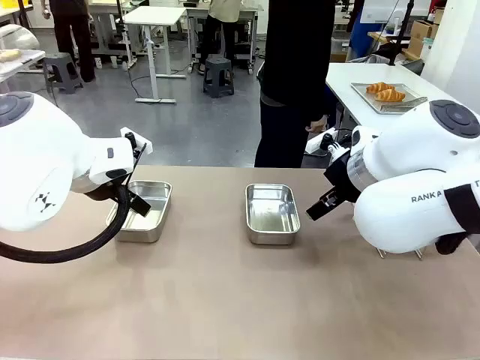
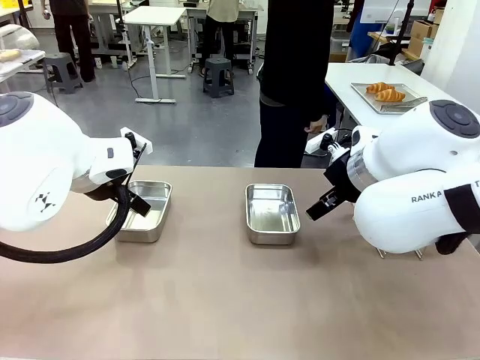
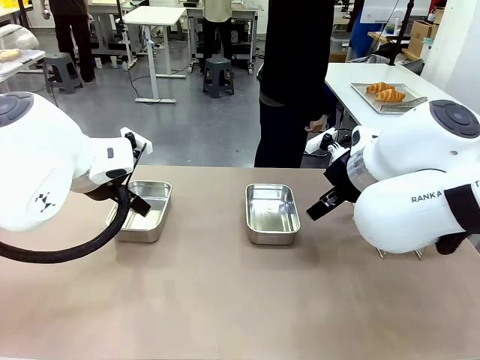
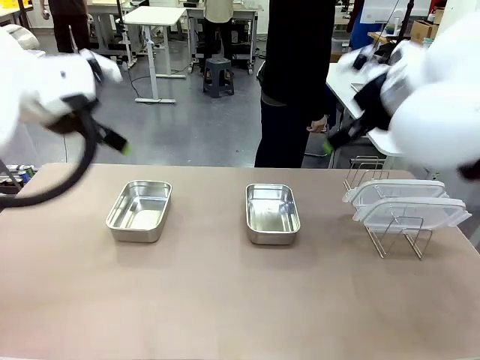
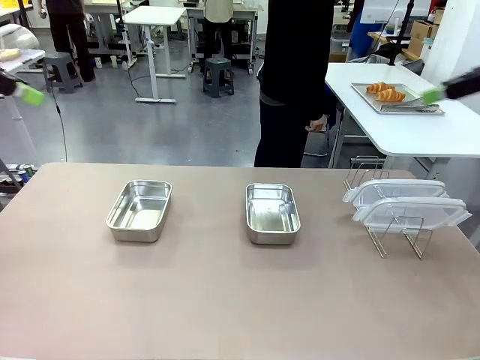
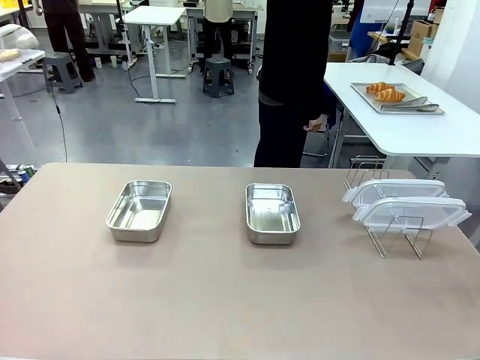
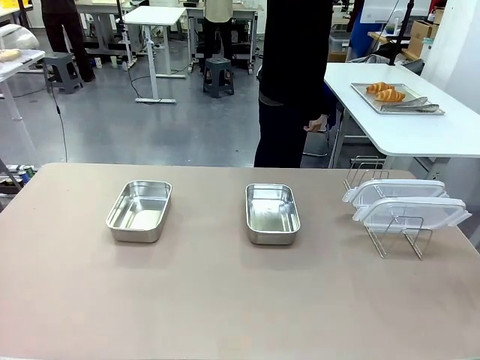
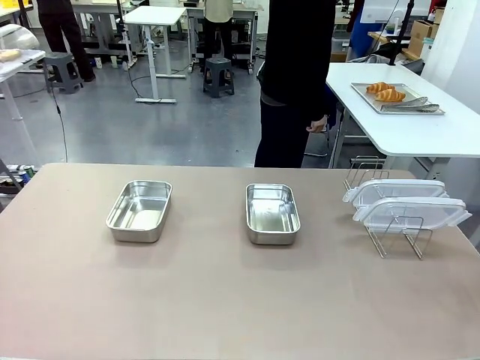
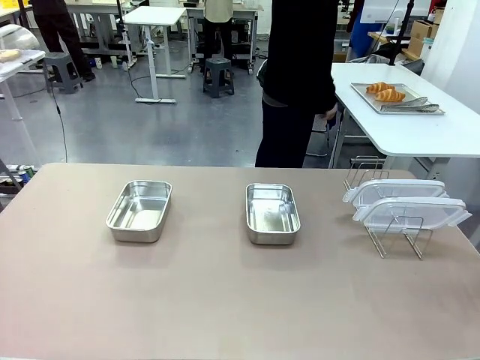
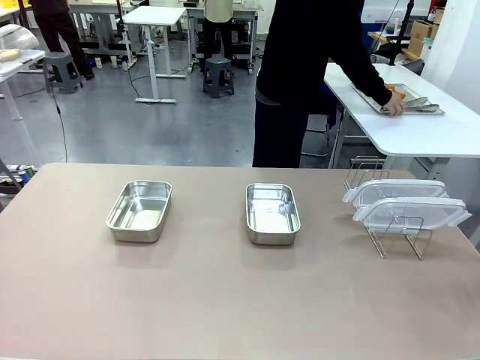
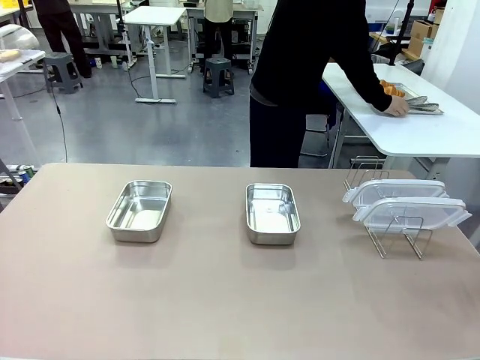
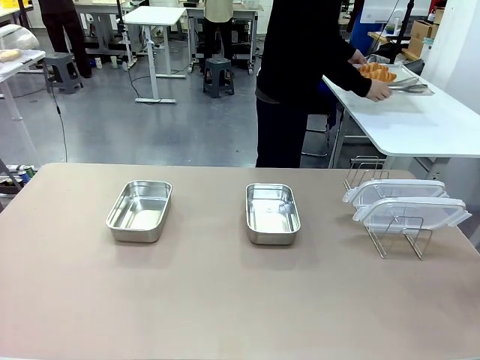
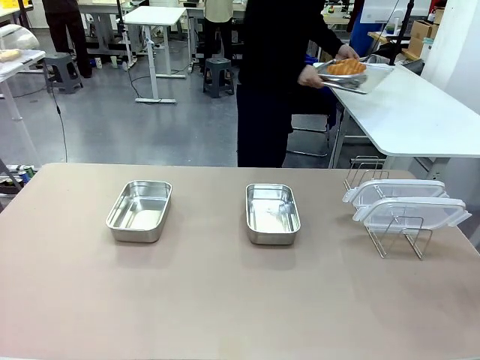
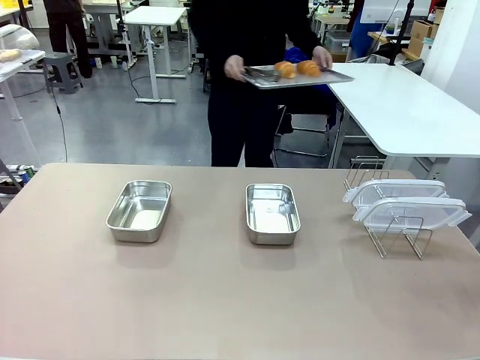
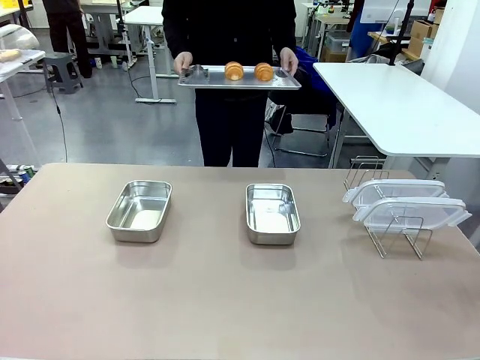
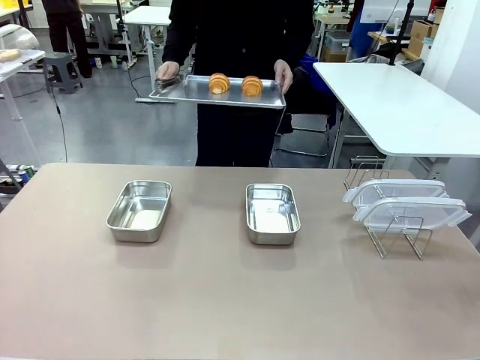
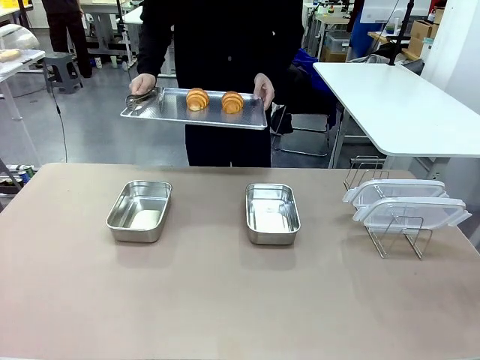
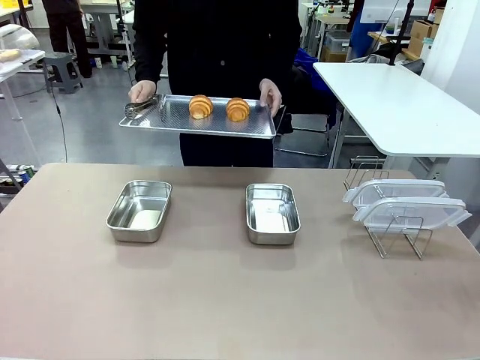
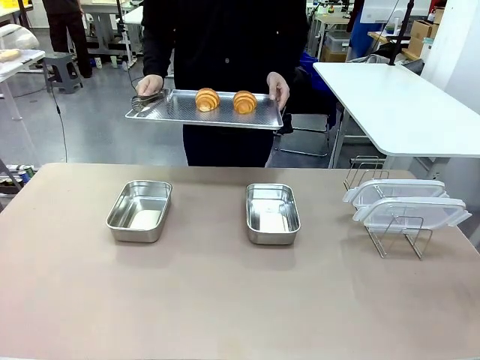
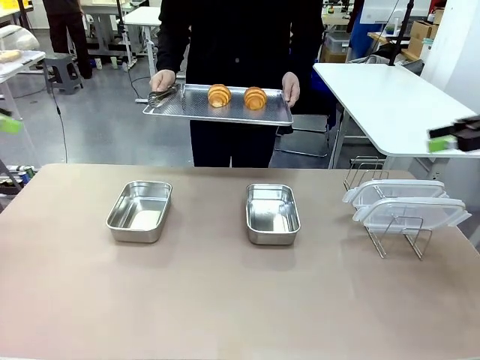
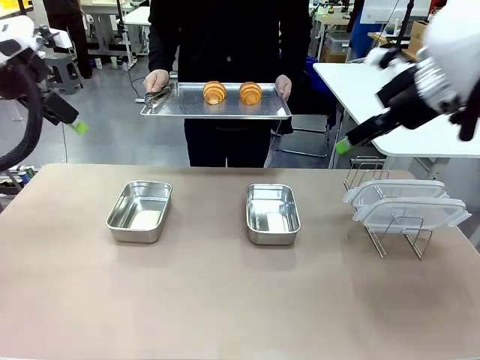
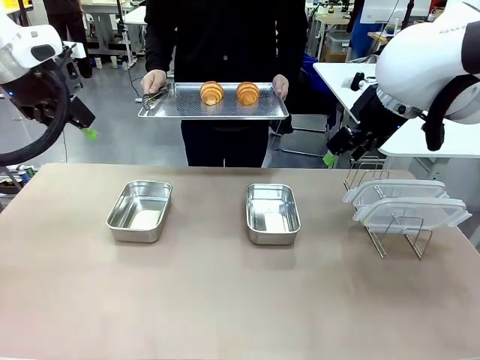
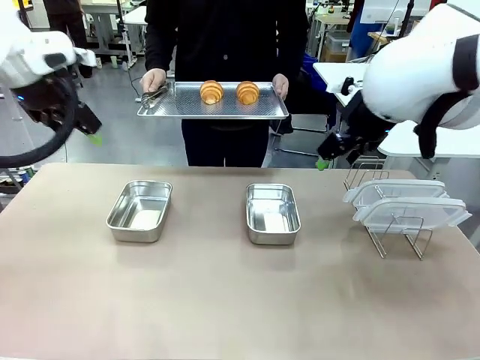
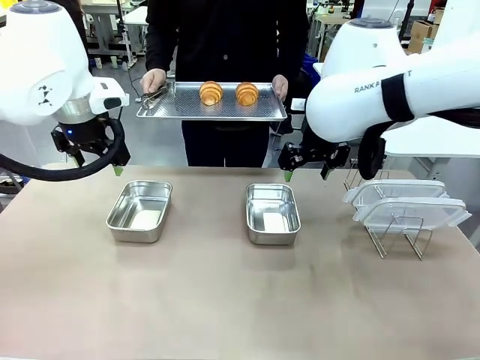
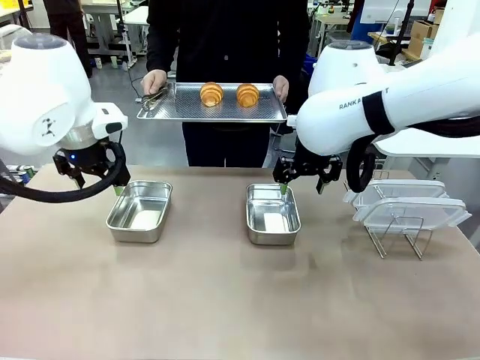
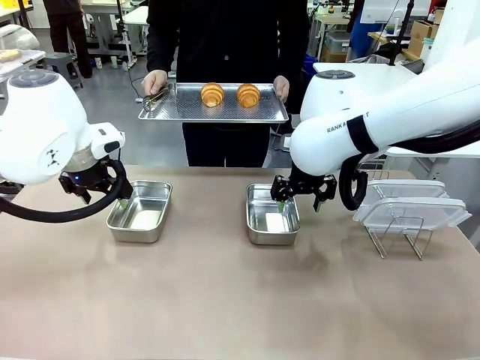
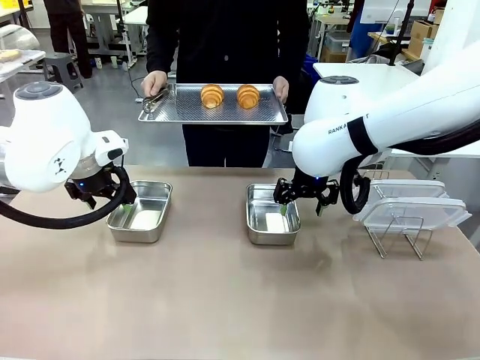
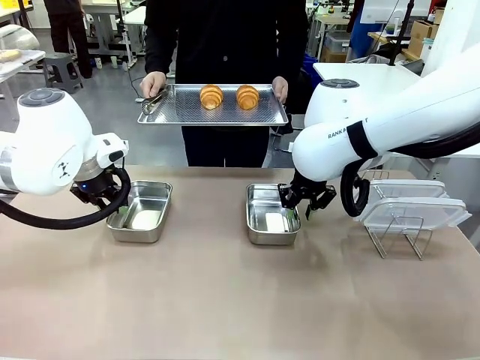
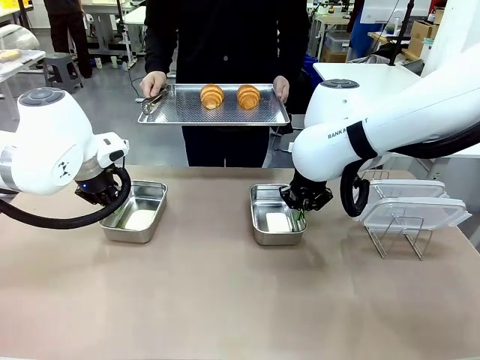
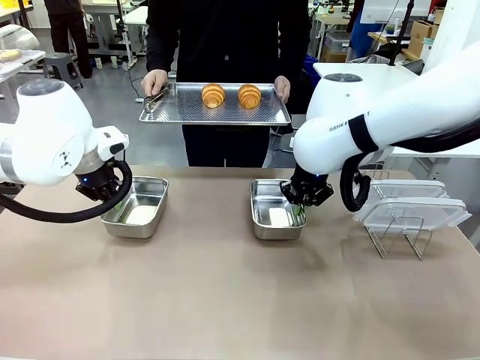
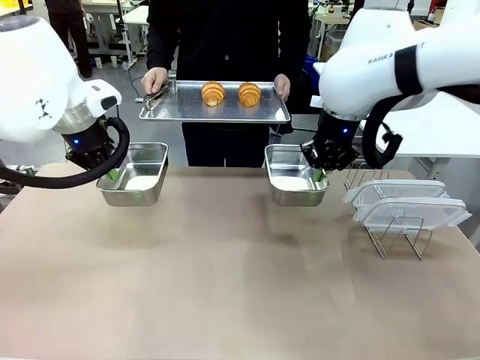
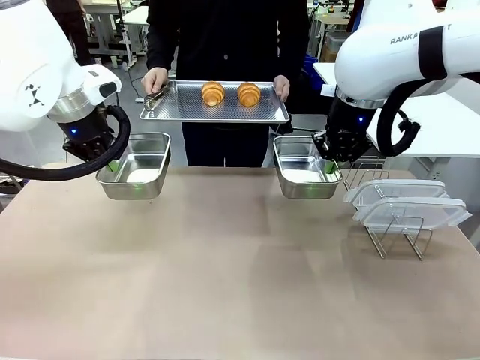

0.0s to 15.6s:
Task: Place the bread in airtight containers.
Robot: Lift both Airtight Container.
Person: Bring the Baking Sheet in front of Robot's Table.

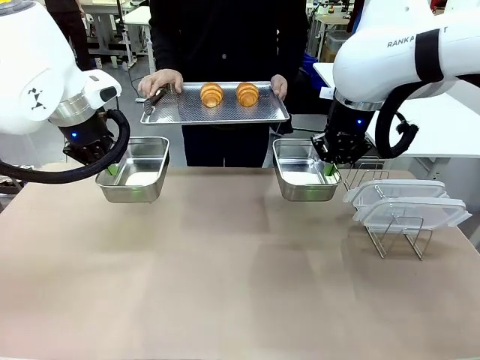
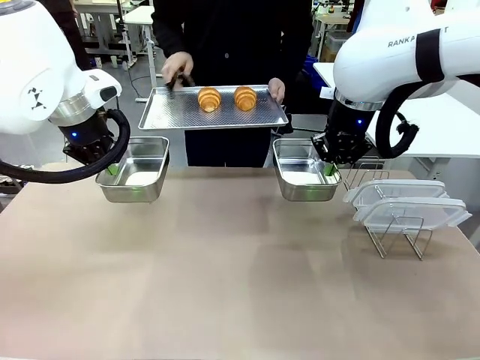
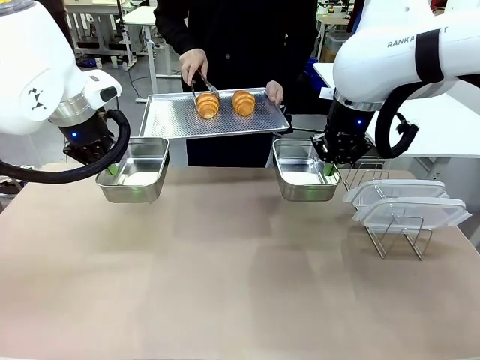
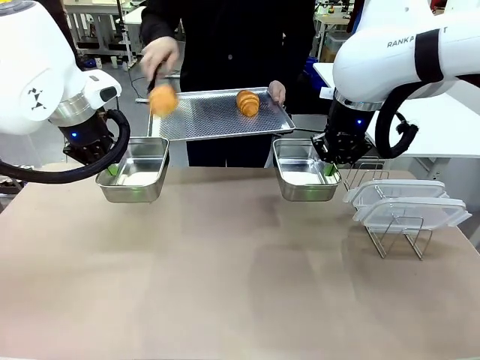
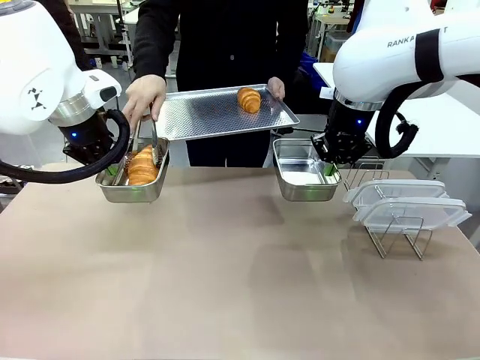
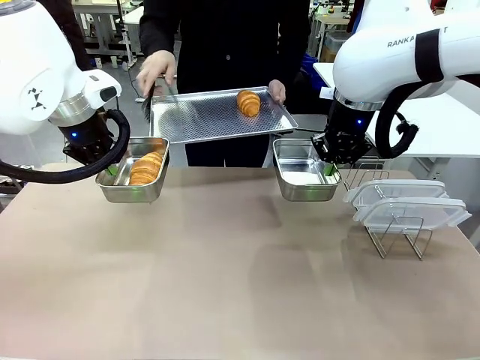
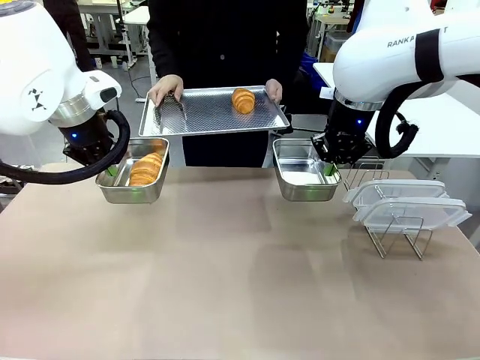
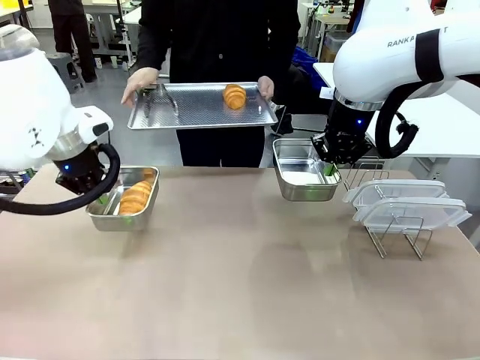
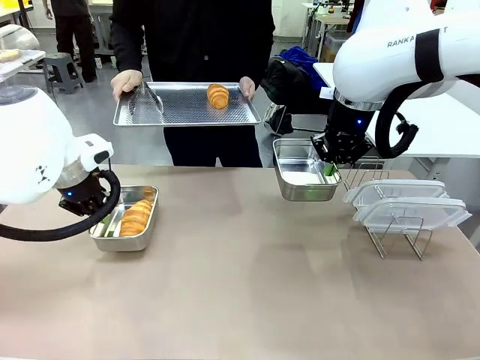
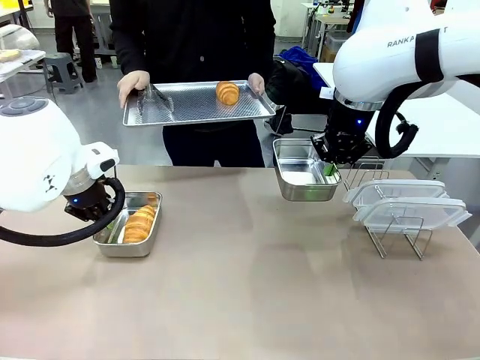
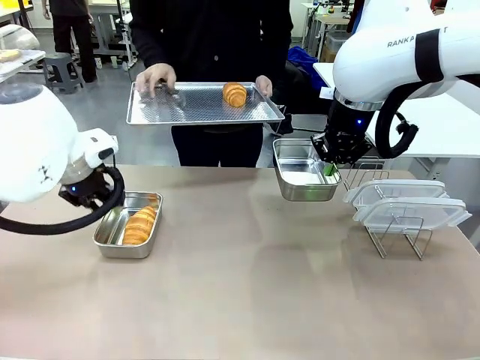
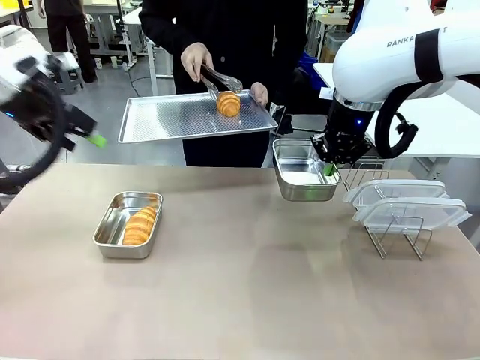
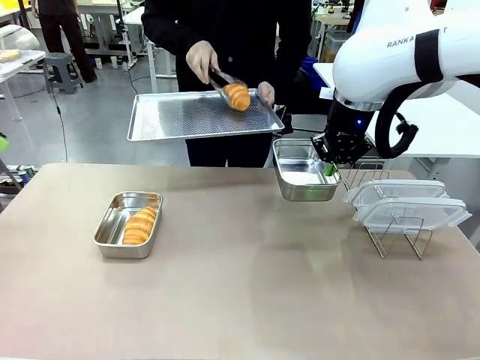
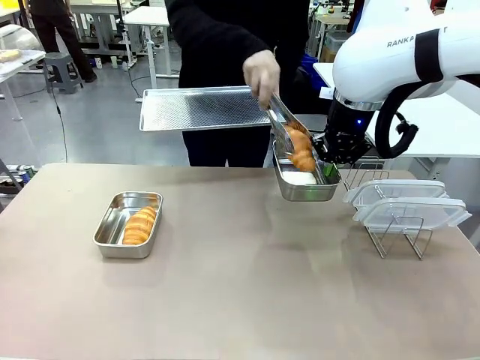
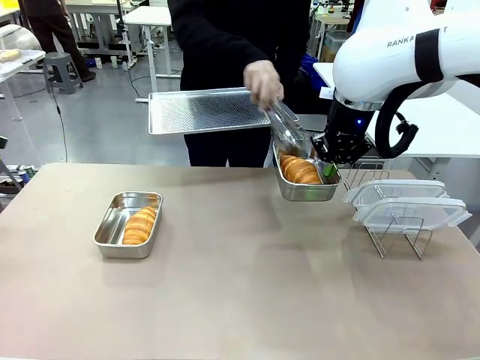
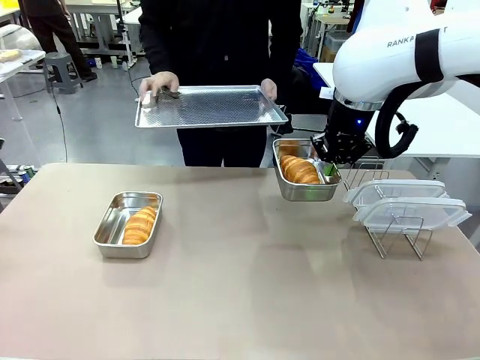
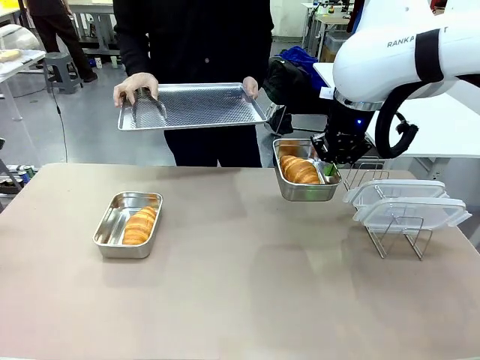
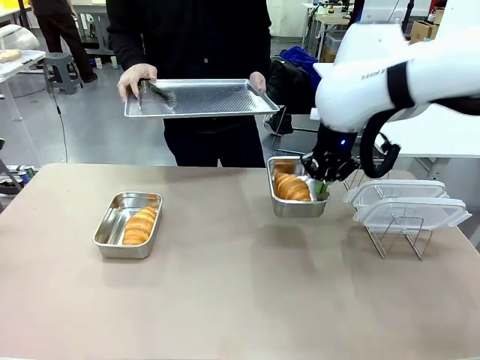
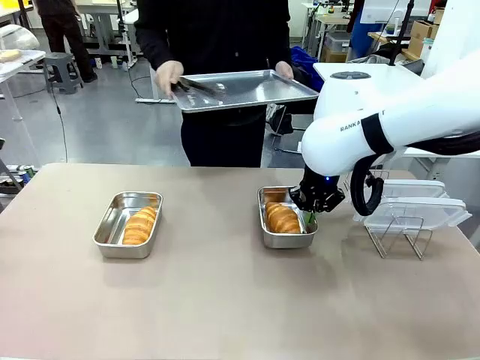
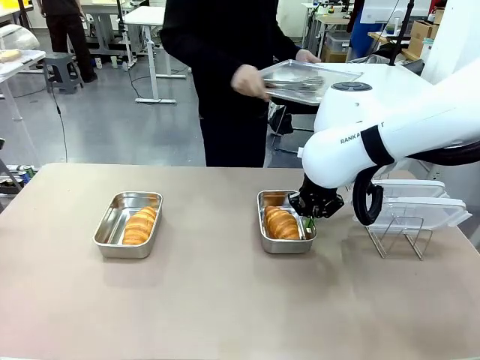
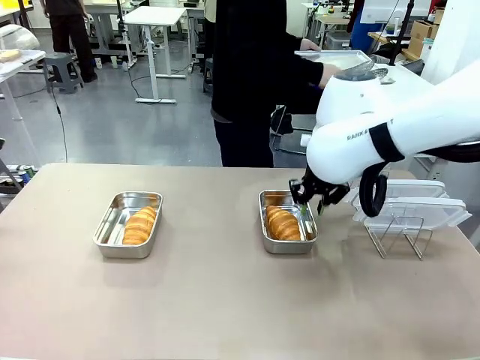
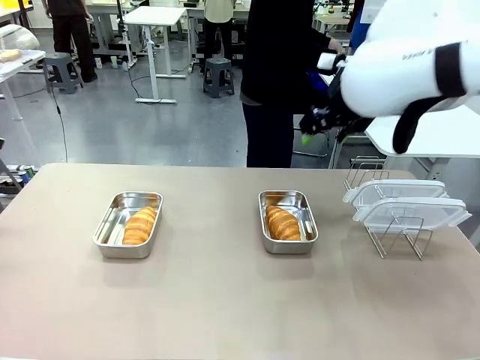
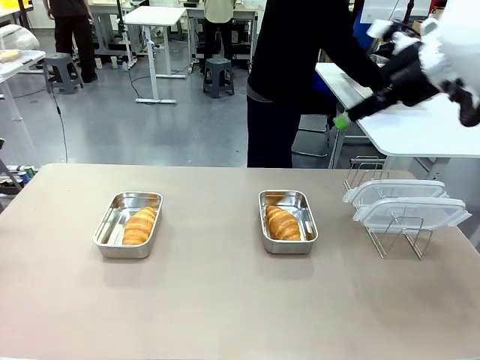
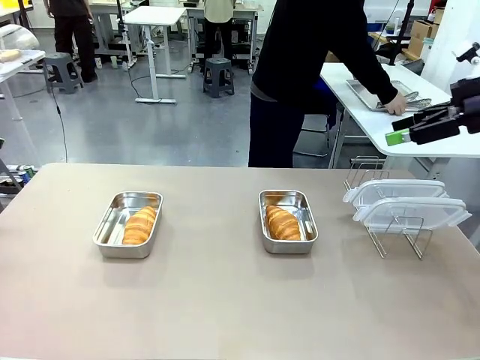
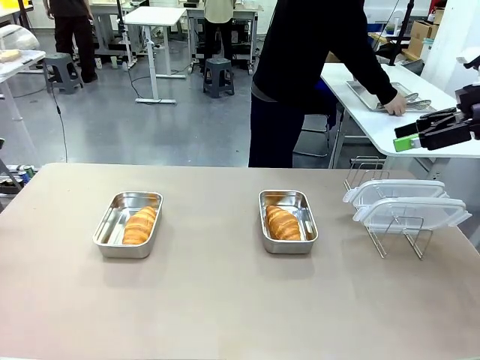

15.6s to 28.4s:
Robot: Once an object is inside an Airtight Container , place the container in the center of the table.
Person: Use the Stainless steel tongs to place one object from Baking Sheet into one Airtight Container. Place Baking Sheet on the Human's Table.
